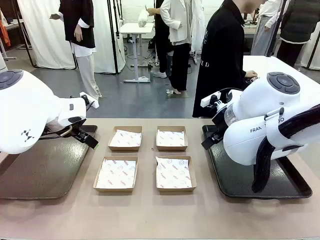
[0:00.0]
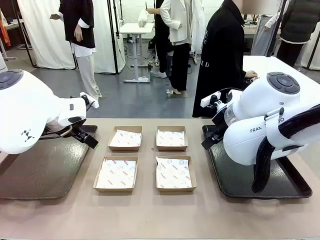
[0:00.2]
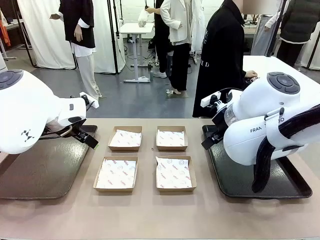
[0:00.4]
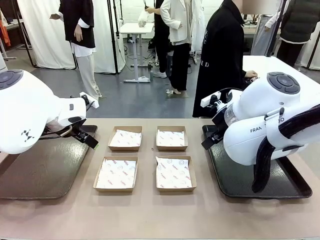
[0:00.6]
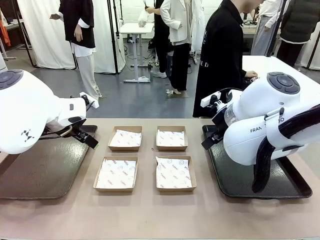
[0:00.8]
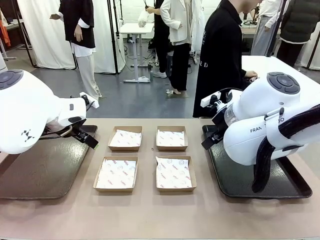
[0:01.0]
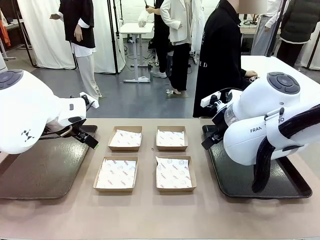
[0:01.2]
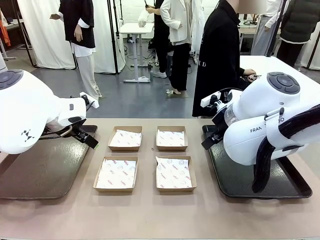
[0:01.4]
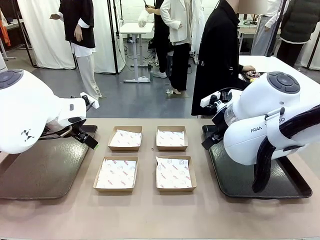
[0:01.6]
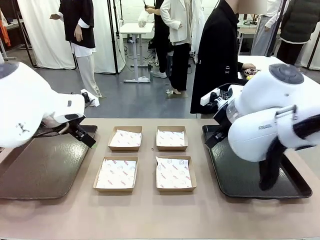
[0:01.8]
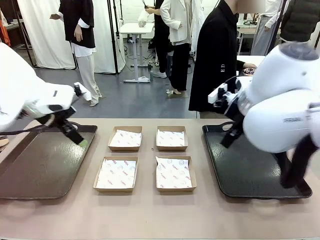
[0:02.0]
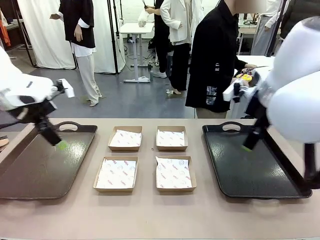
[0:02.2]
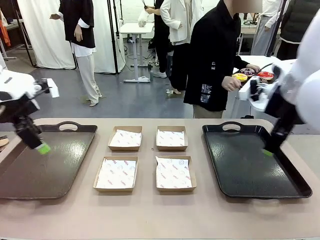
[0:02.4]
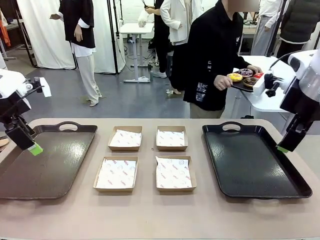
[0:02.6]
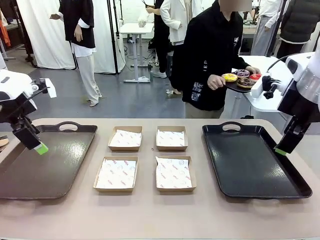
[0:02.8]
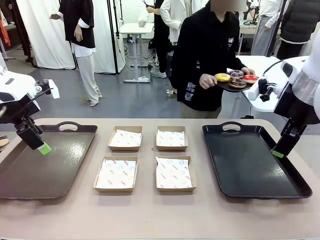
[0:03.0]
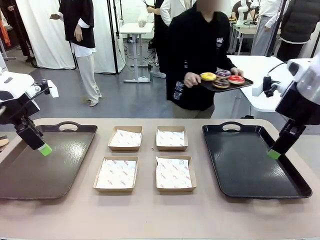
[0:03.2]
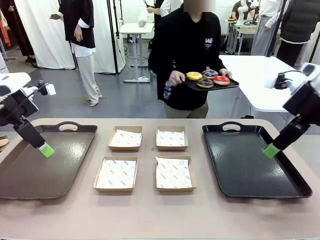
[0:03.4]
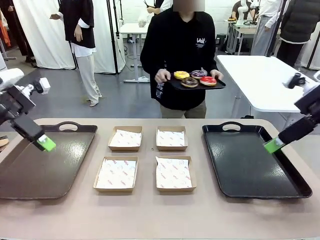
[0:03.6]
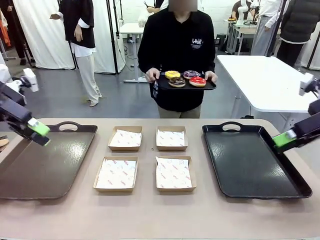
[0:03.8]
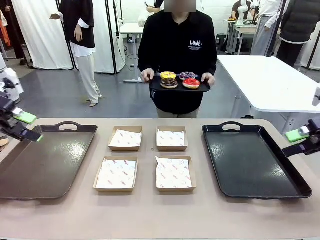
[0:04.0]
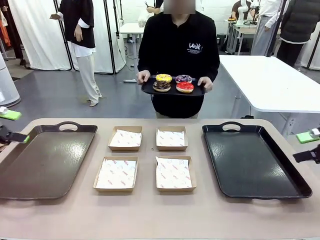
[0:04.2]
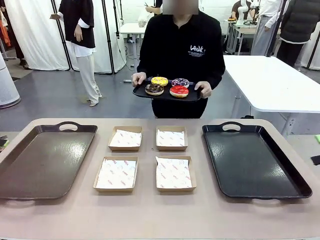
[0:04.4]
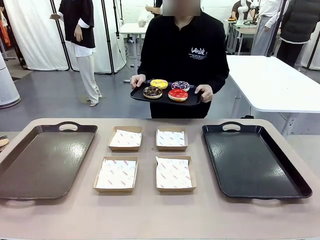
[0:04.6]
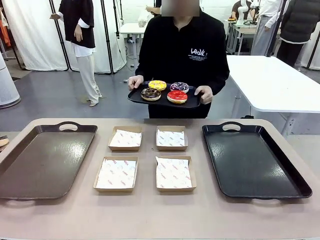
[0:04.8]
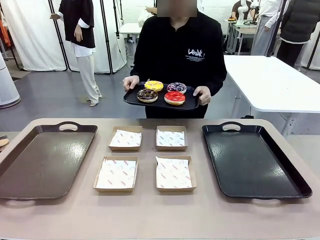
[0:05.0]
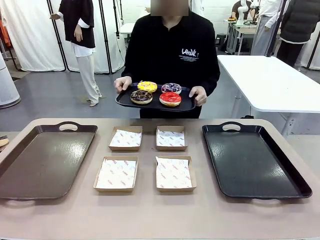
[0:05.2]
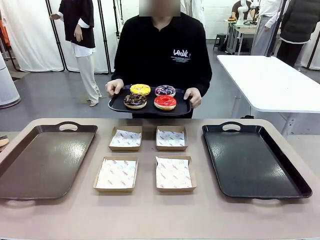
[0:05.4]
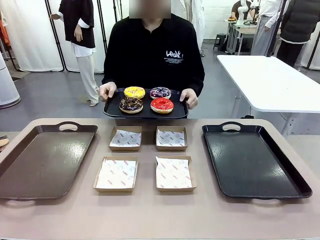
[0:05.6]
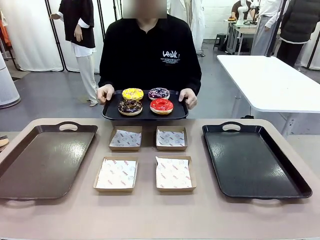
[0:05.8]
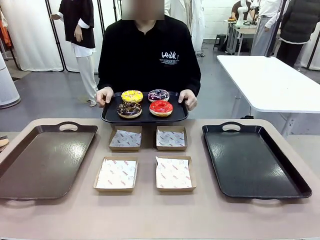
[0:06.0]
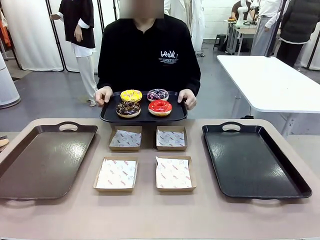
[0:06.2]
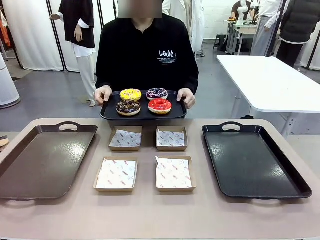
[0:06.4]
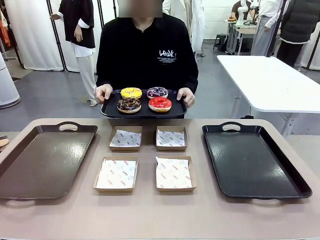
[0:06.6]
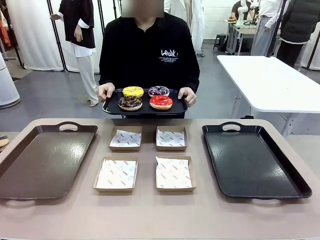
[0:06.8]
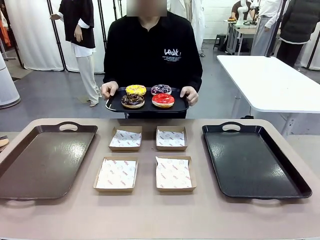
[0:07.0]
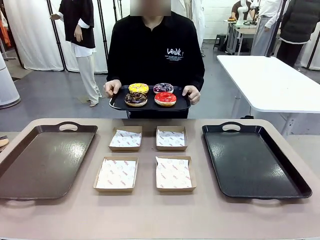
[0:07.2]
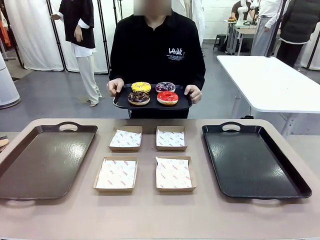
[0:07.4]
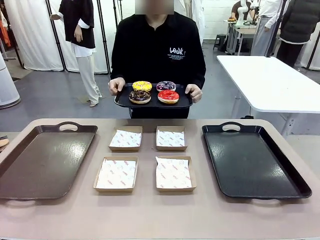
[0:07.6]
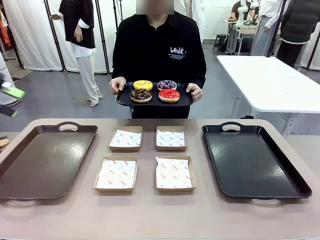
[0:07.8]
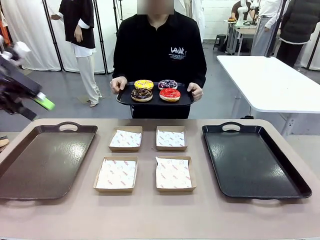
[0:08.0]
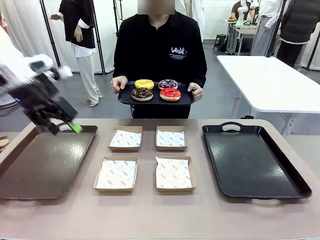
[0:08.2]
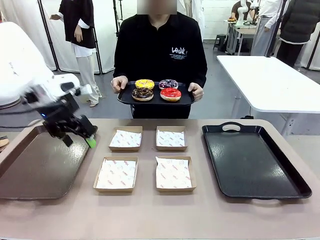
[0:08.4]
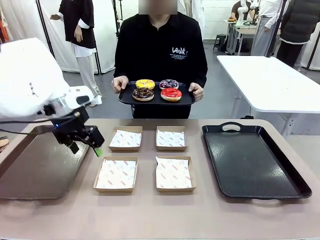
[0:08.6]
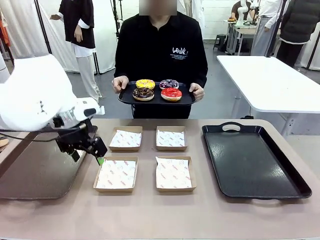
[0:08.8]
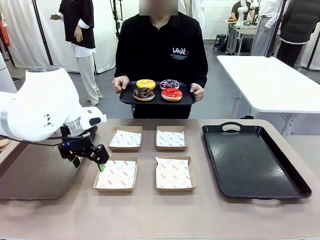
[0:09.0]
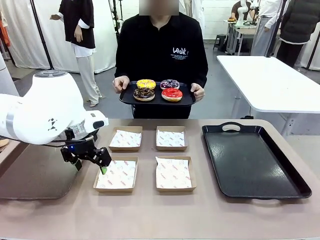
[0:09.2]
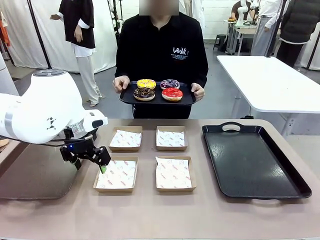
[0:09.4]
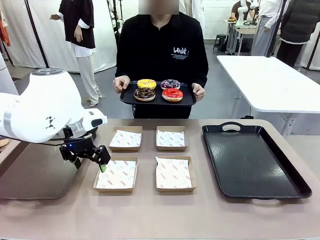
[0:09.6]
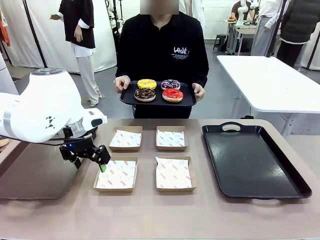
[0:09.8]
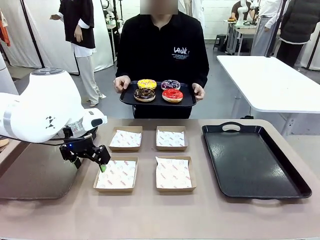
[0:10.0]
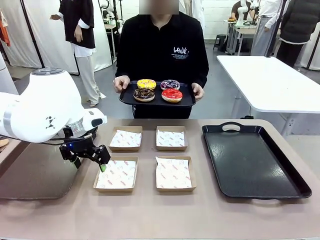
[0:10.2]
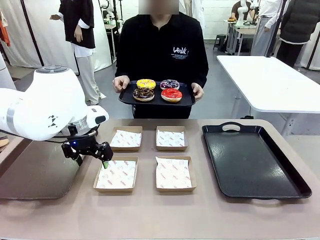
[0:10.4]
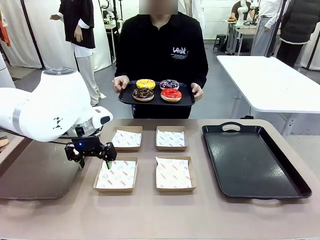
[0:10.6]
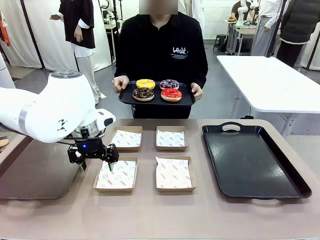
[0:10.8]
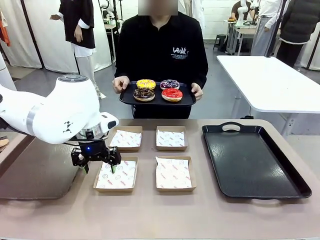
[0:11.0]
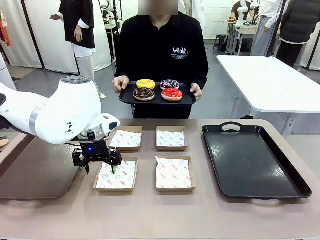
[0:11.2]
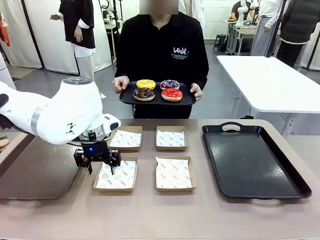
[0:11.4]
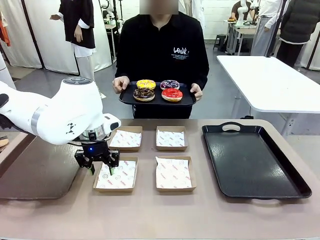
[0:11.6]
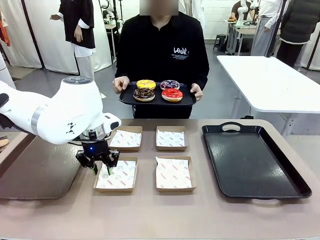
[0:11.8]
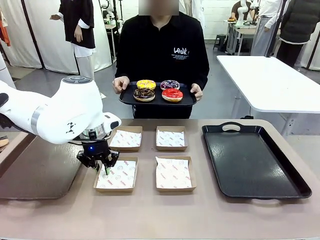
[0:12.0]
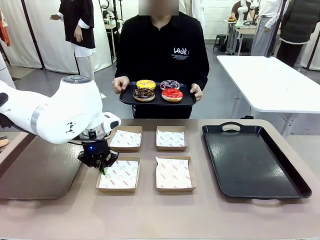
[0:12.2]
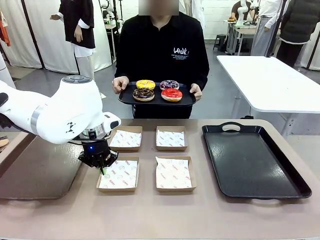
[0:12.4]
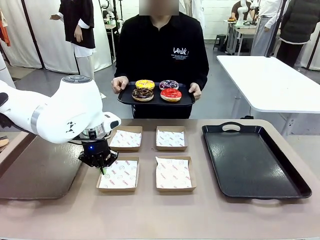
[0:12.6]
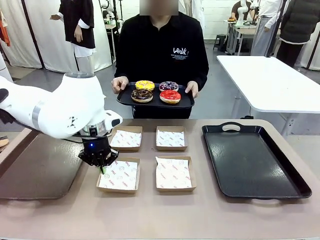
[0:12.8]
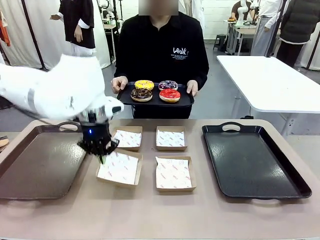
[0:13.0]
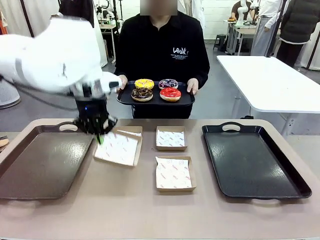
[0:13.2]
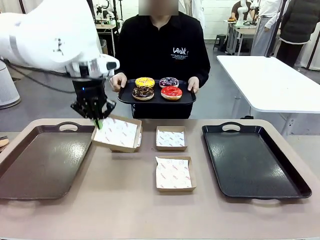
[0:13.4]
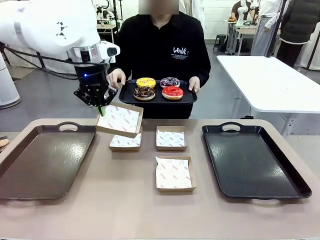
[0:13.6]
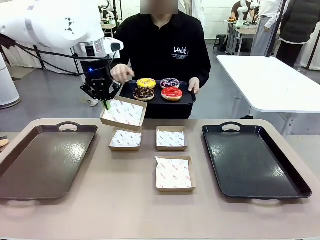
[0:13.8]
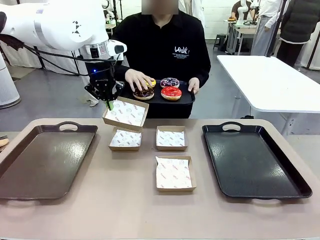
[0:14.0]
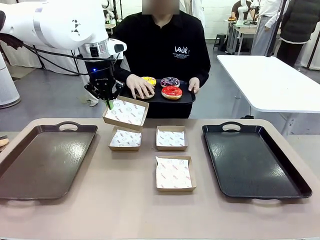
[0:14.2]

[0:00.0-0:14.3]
Task: Individually package the donuts and arrange them on the tray.
Robot: Pick up one Paper togo box.
Person: Stand in front of the robot table holding the tray containing the donuts.
